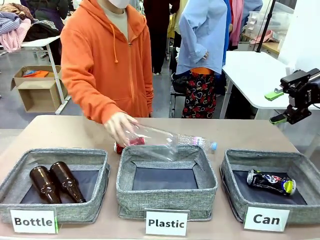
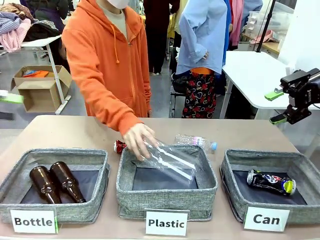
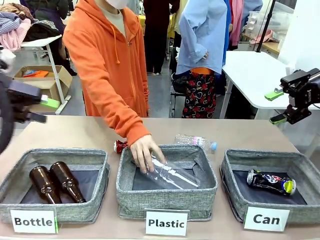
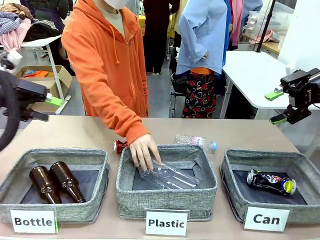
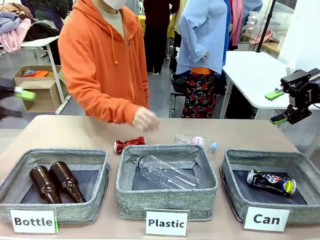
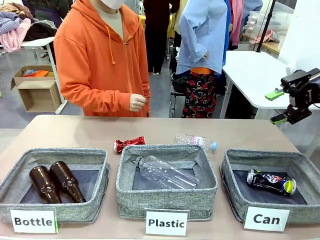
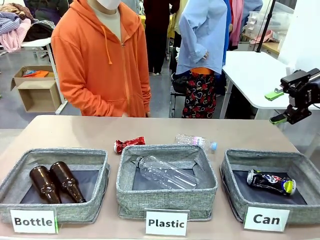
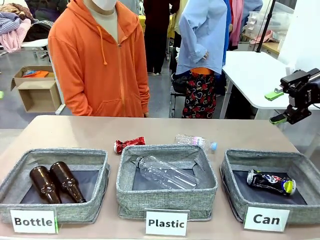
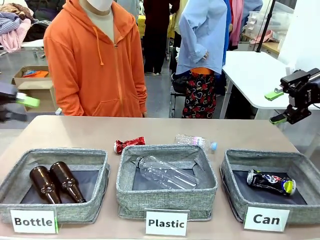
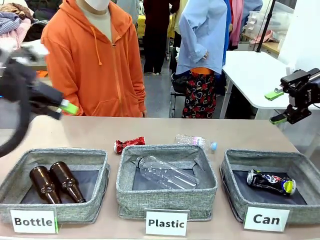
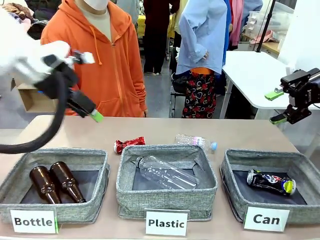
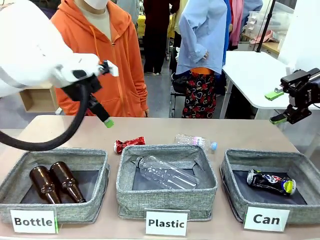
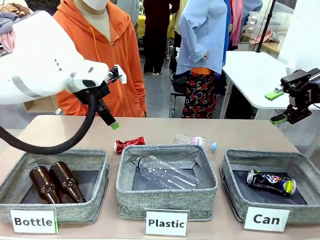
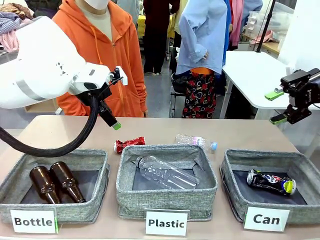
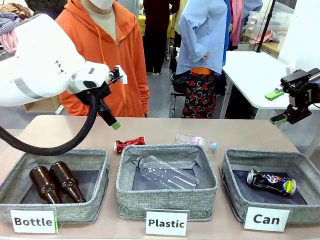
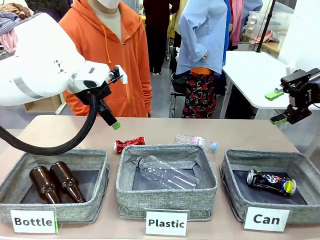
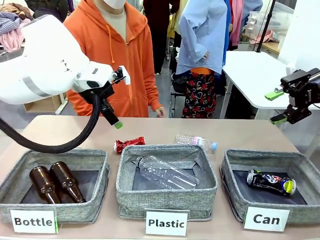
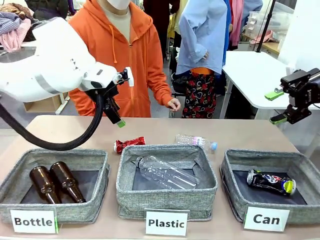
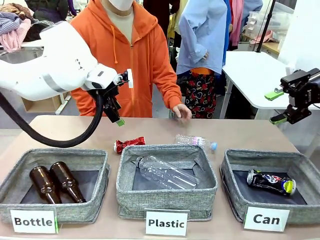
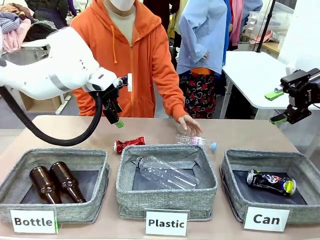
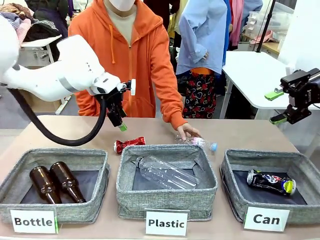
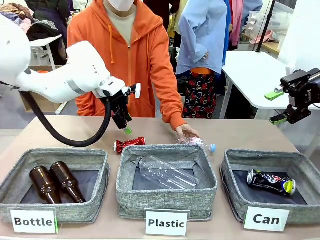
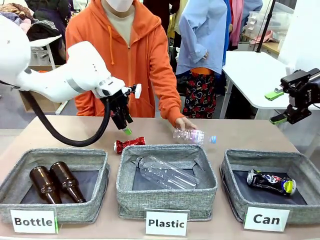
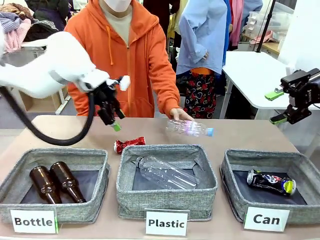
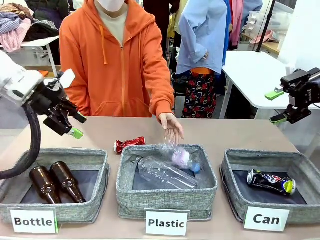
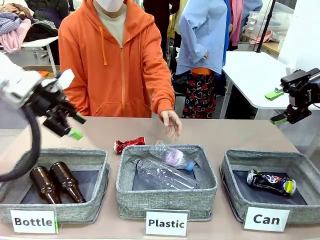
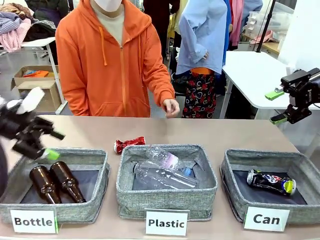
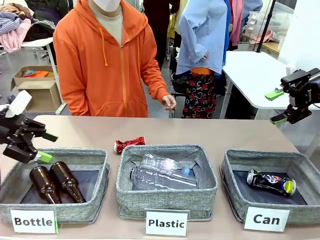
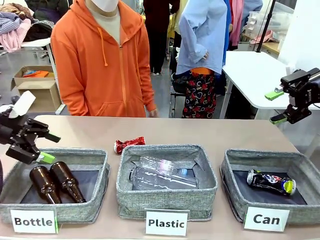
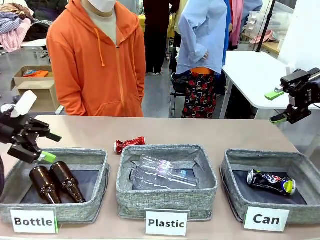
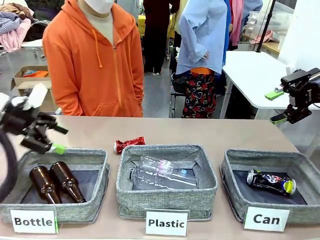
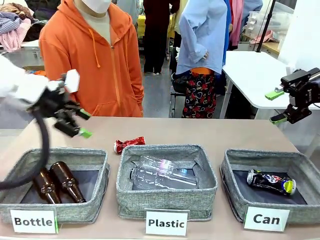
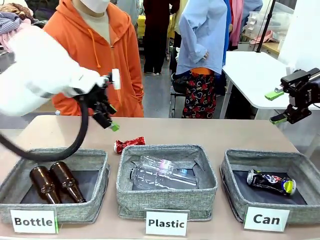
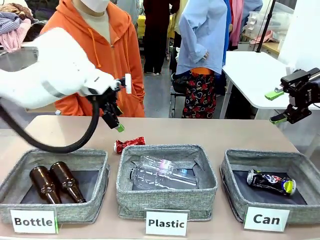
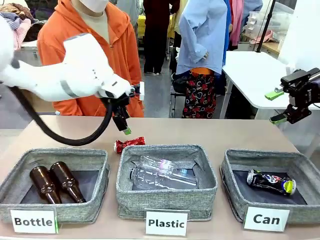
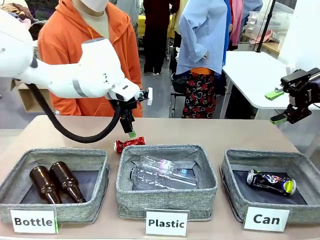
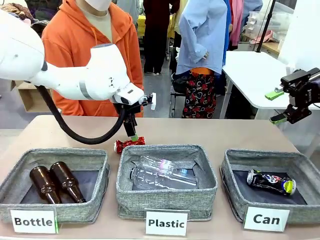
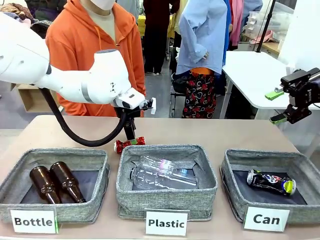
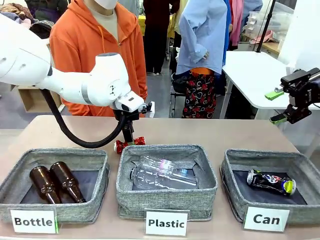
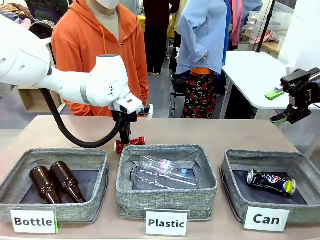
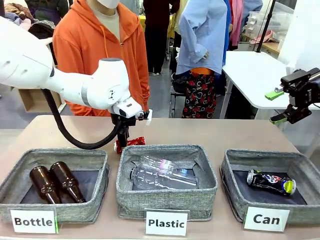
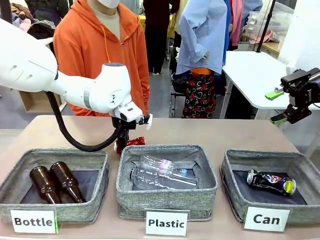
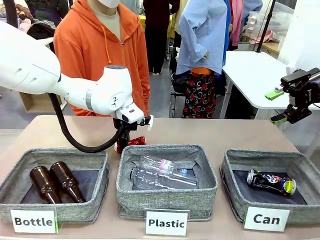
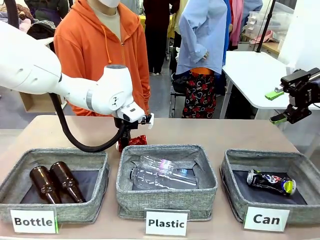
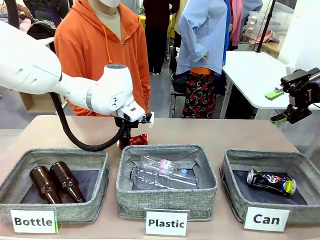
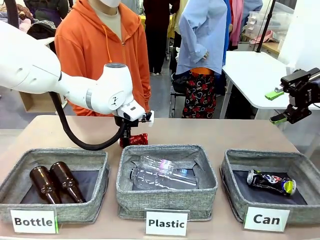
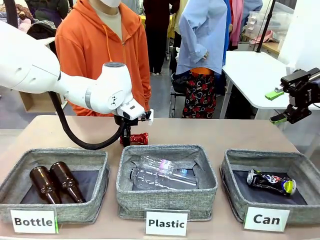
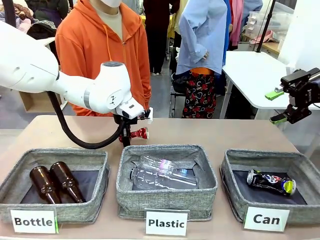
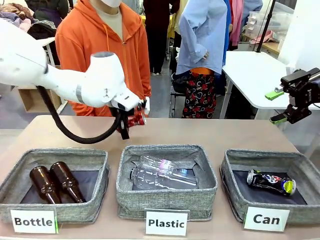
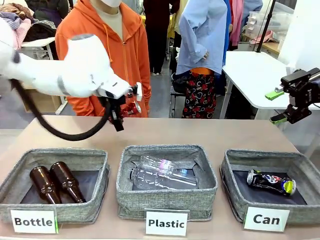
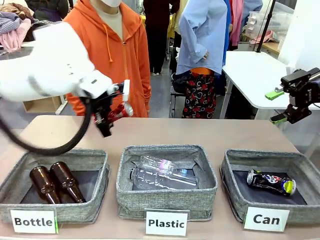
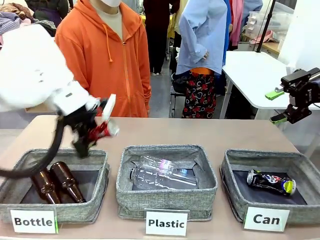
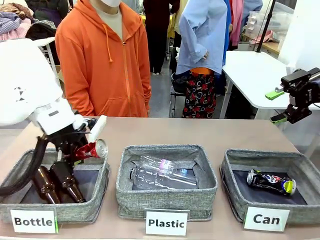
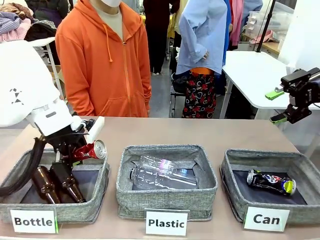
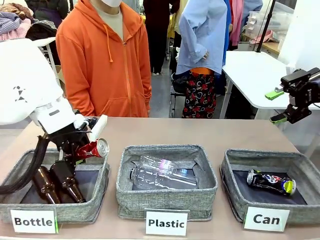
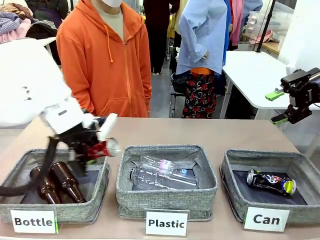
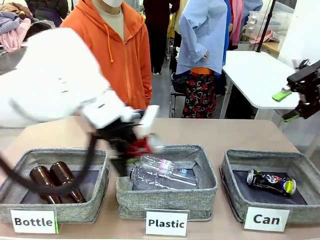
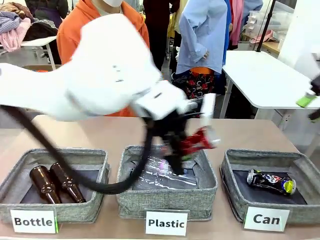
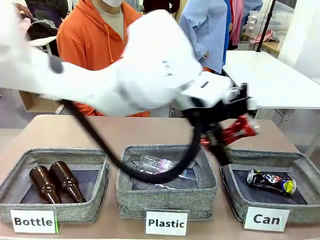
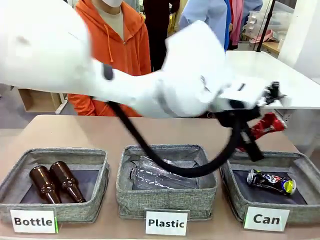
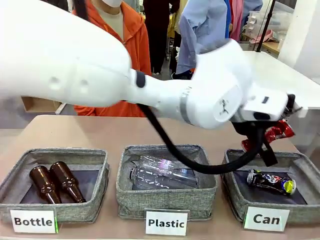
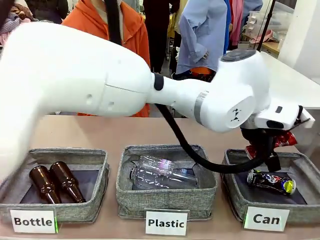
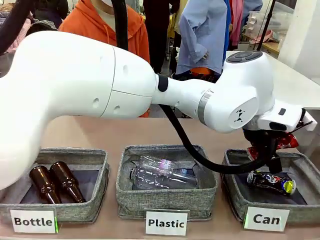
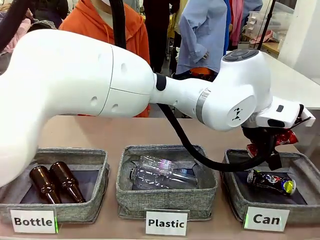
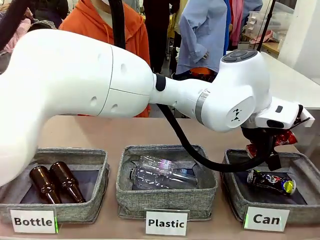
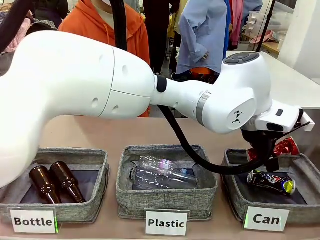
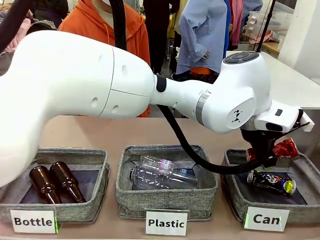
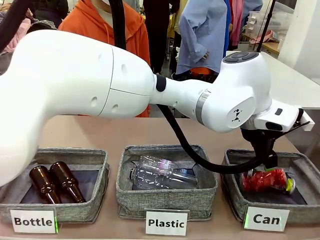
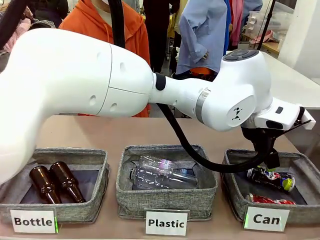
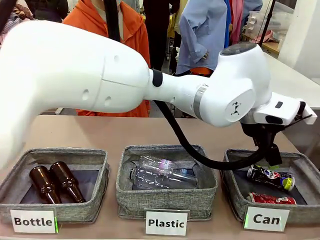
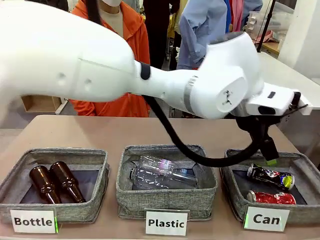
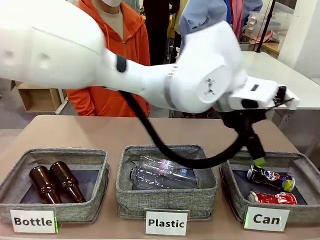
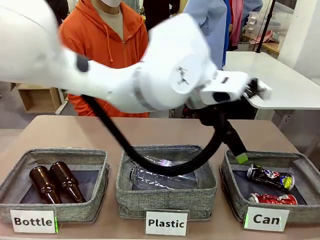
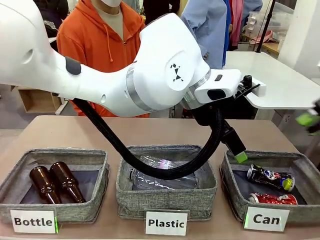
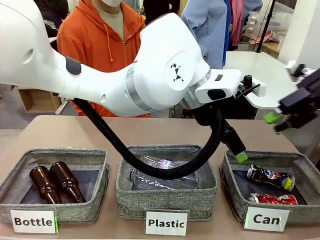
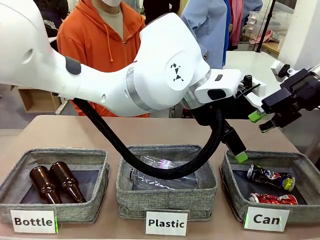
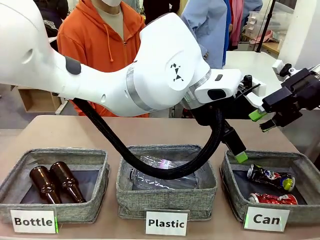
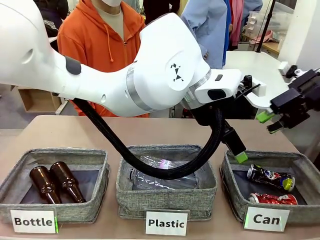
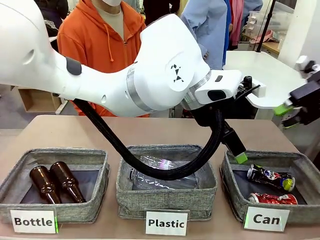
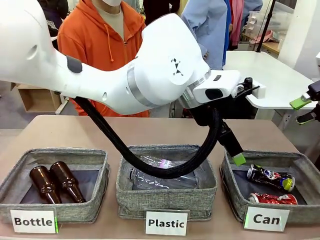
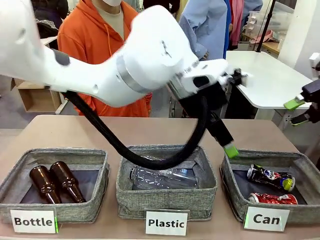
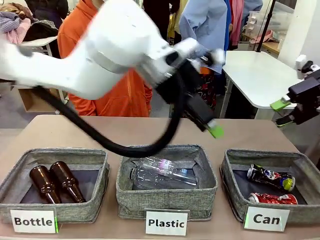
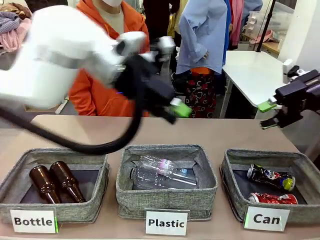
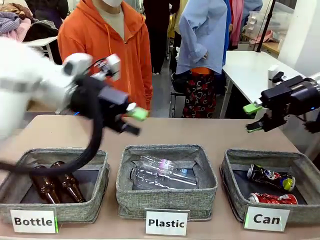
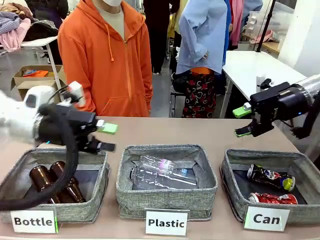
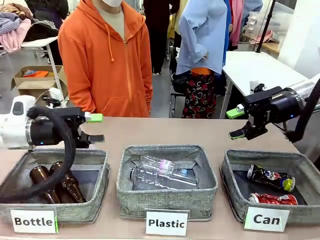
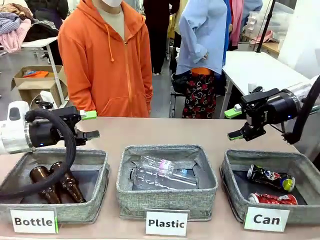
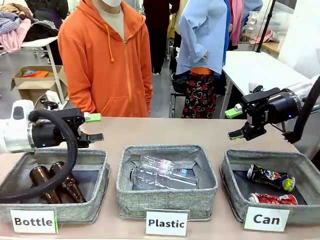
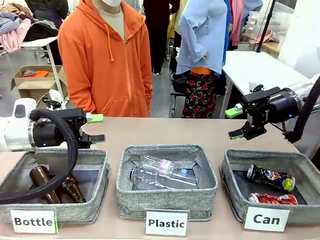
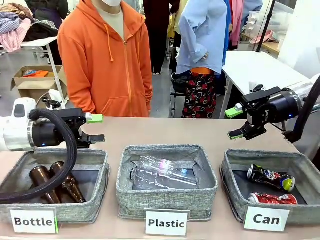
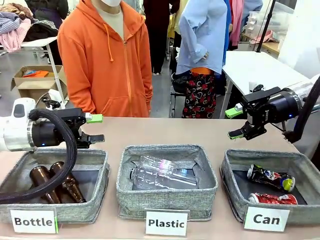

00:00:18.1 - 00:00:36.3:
Task: Sort the can waste into the basket.
Robot: Pick up the can waste from the table and place it in the right Fabric basket.
Person: The human picks up one piece of trash that is not a can and places the trash into the appropriate organizing basket.
